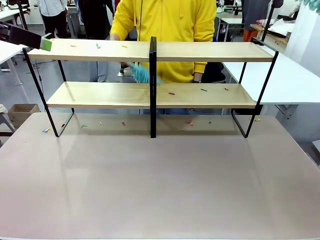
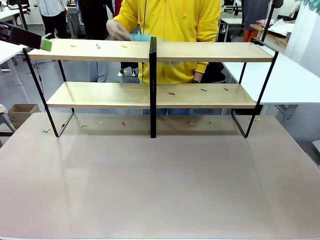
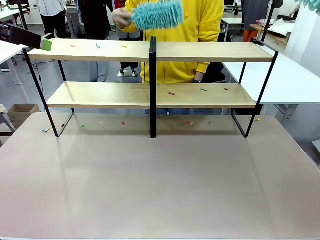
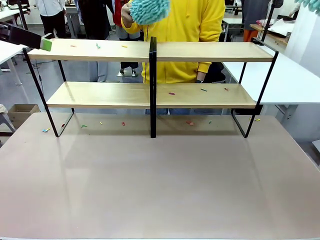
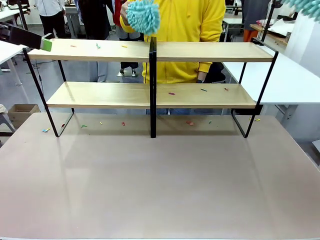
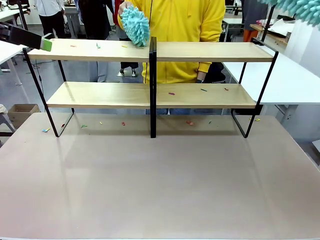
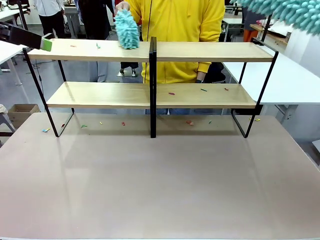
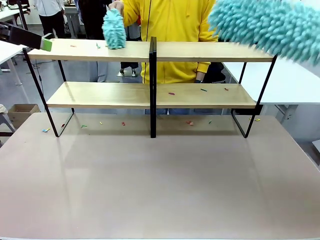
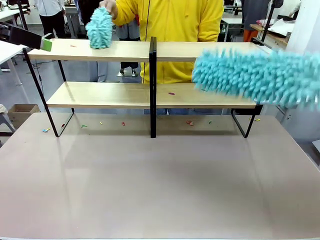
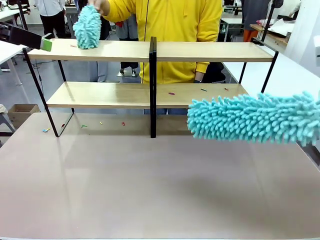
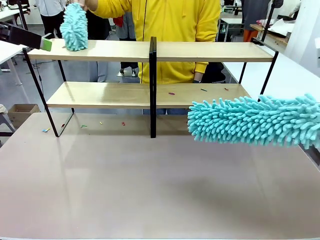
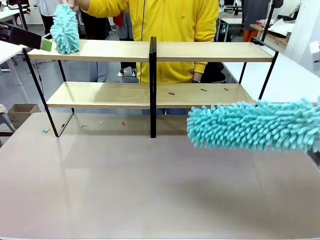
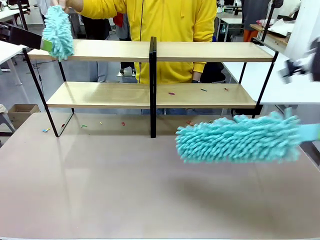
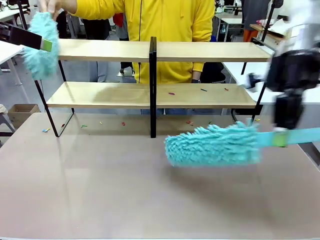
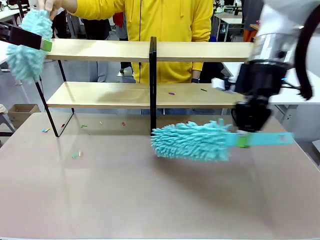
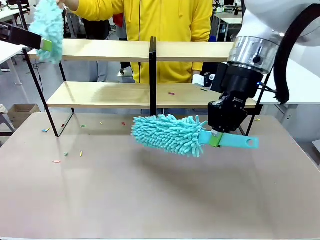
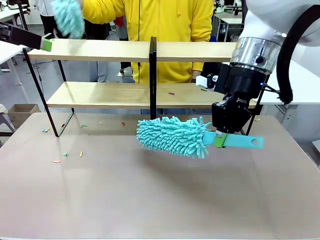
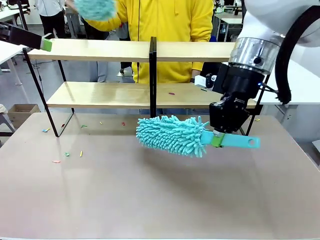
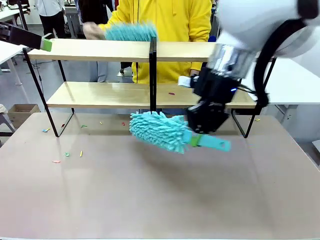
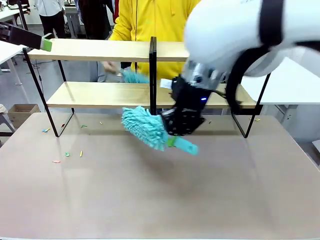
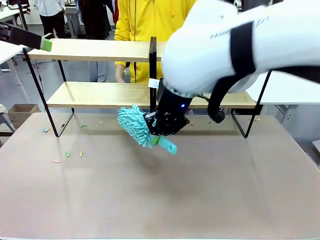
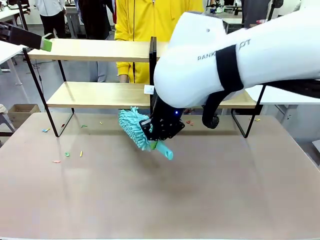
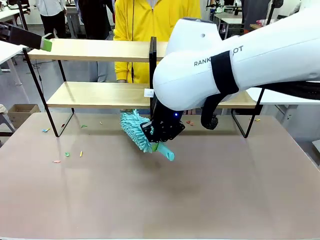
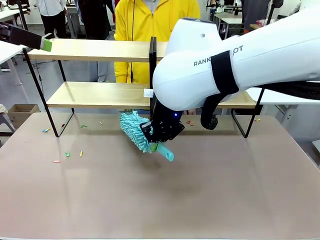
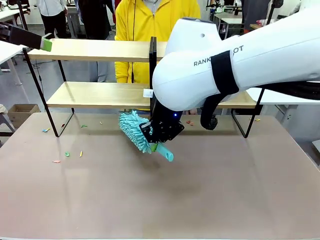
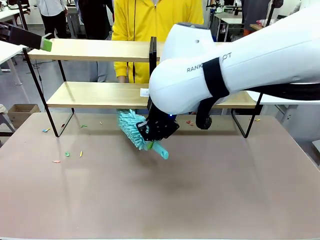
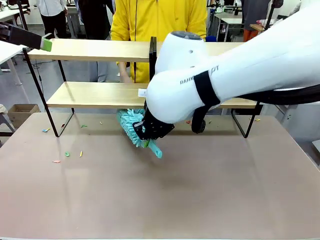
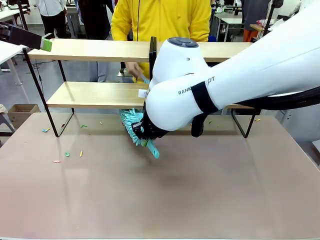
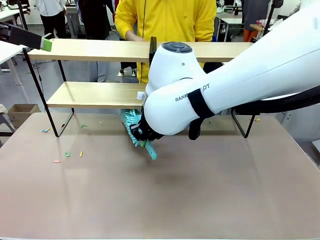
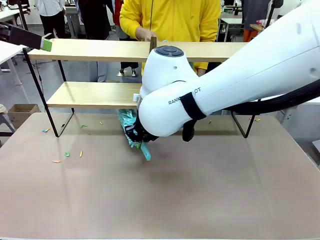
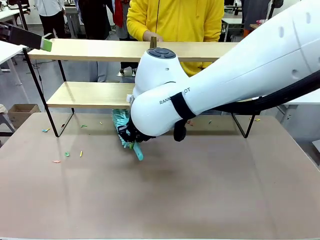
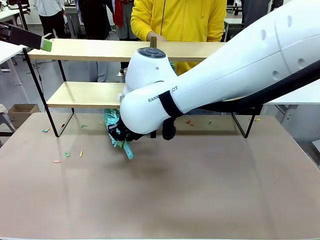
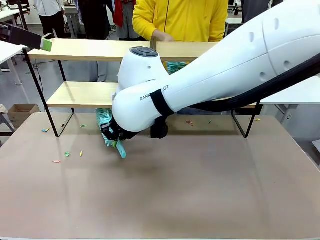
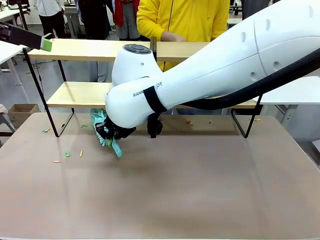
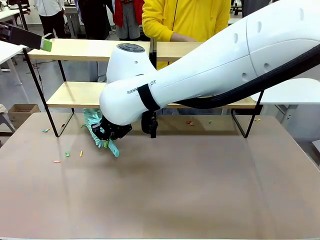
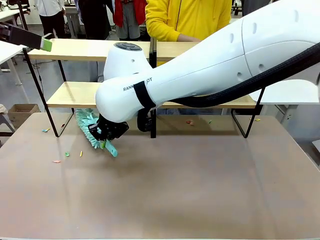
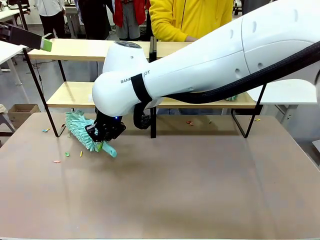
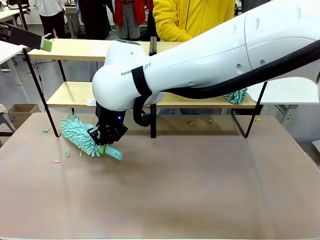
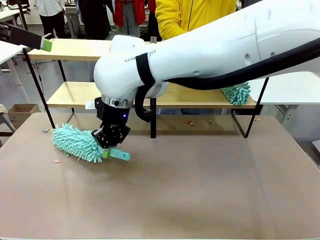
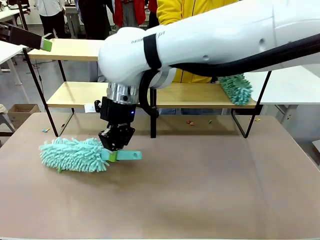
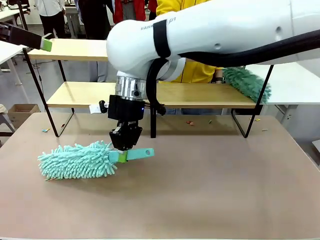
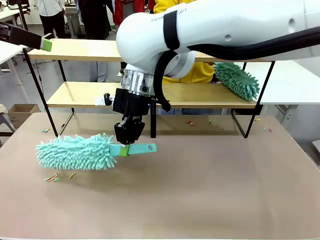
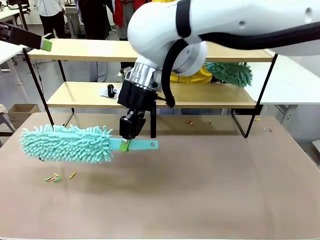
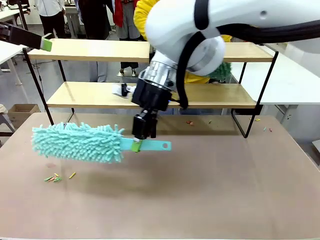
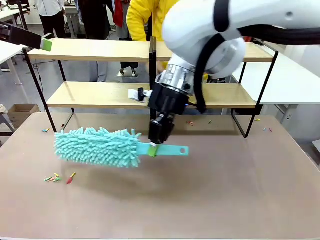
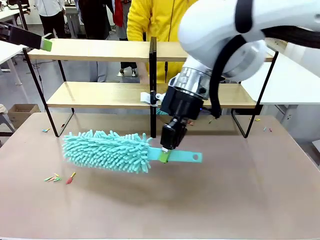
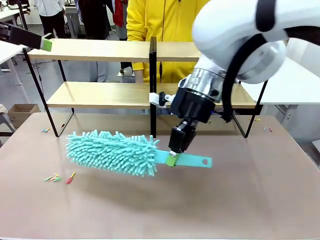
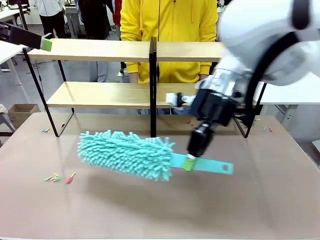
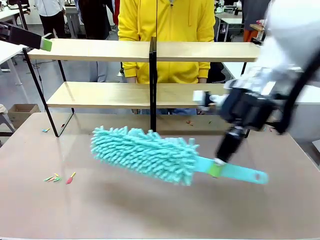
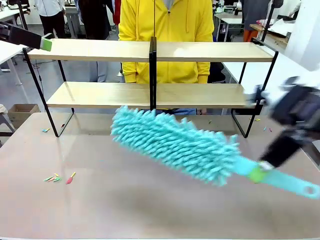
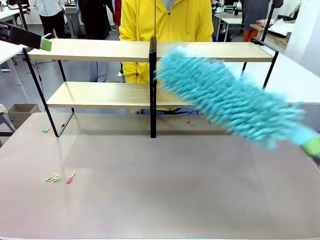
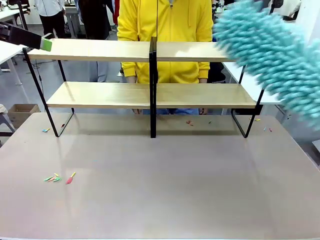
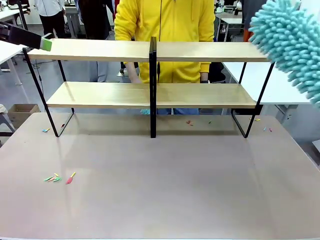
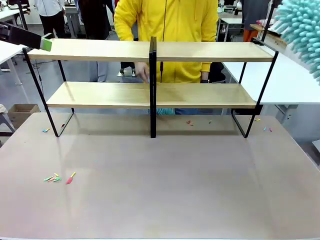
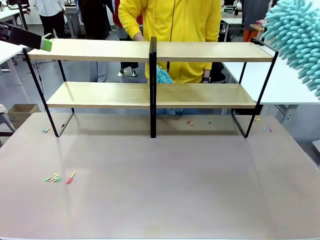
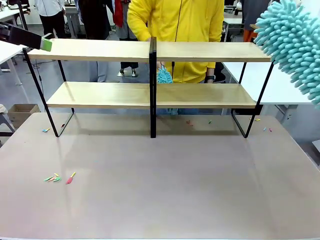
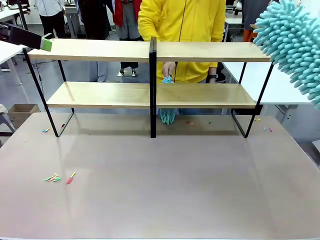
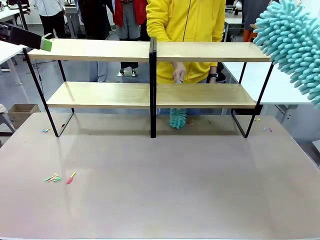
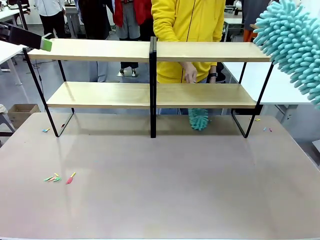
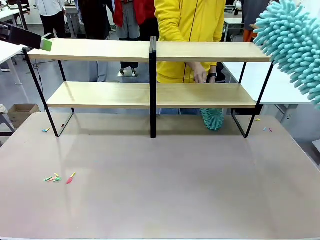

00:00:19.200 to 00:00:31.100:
Task: Clean the shelves.
Robot: Clean another randomly selected level of the Shelf with the Duster.

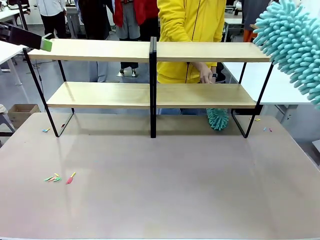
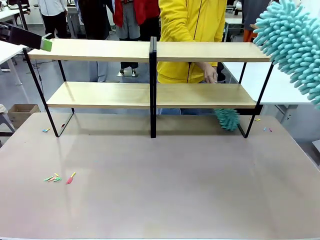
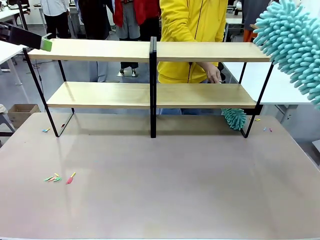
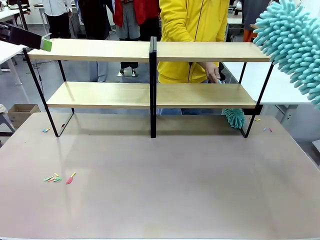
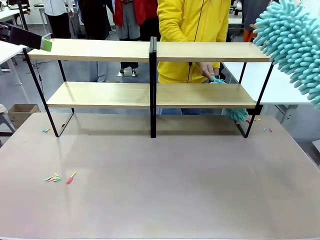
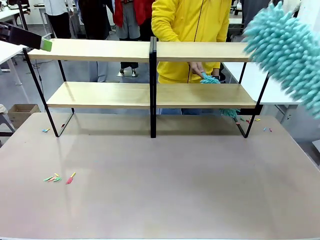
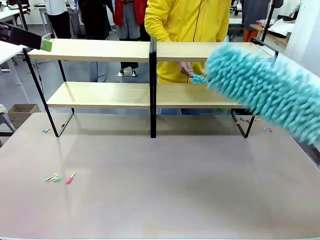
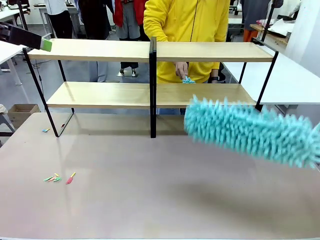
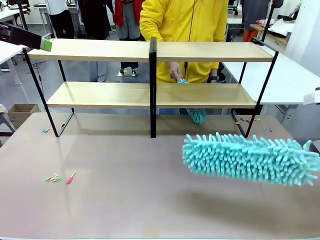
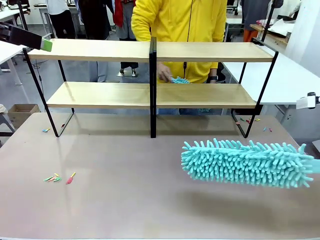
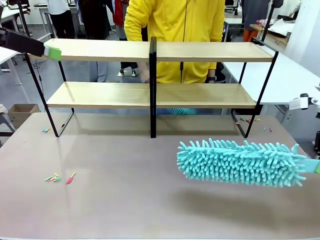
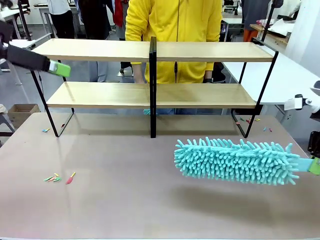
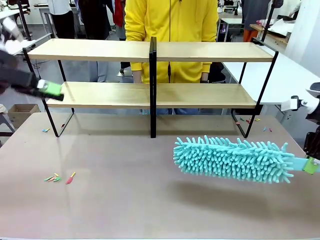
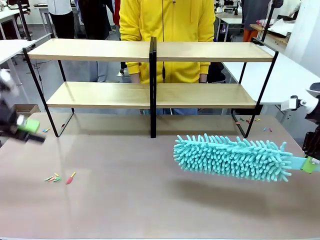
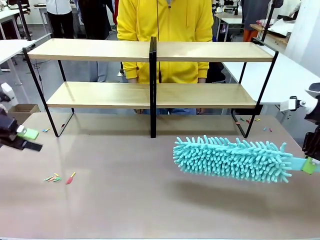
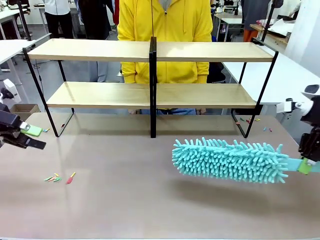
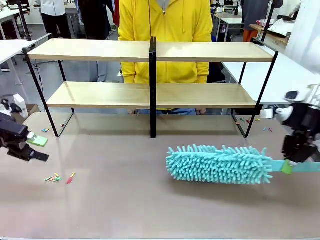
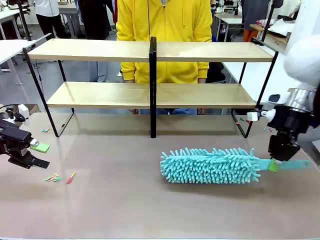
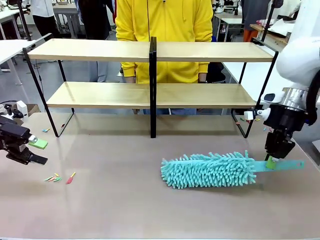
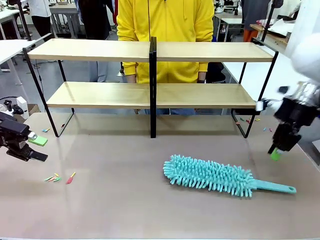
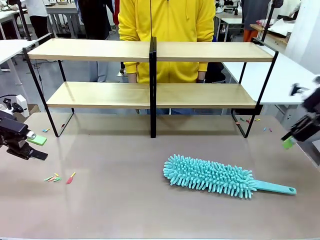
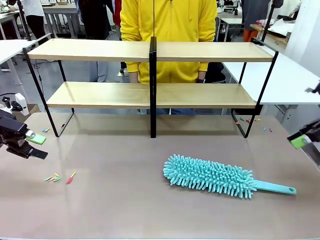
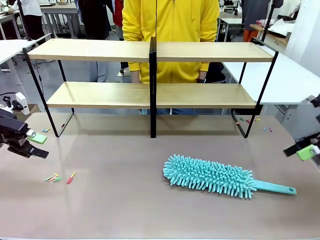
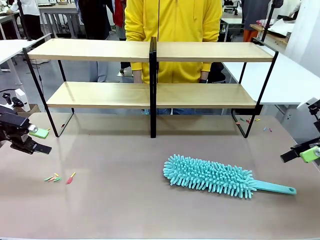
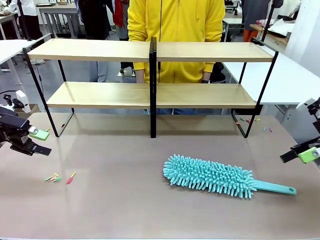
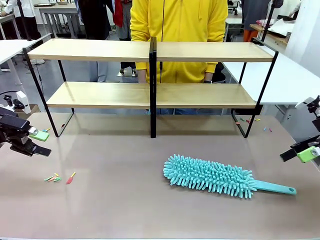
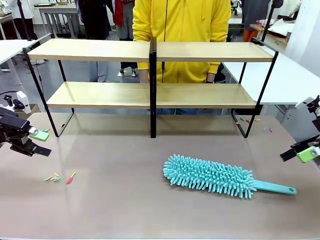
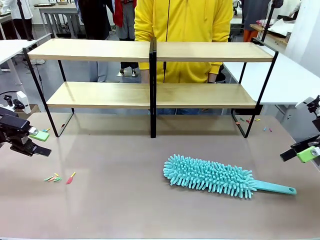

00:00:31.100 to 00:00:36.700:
Robot: Place the Duster on the table.

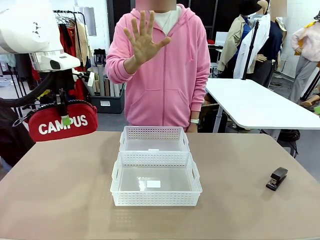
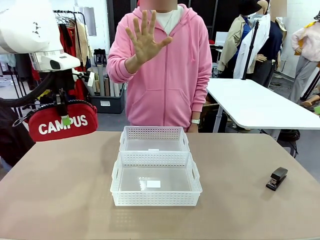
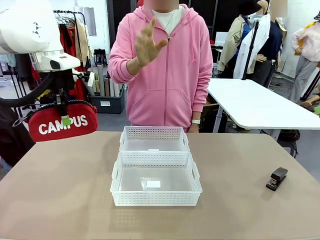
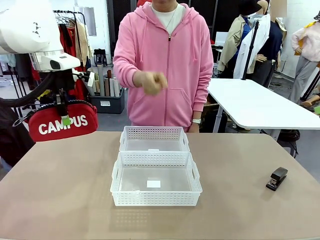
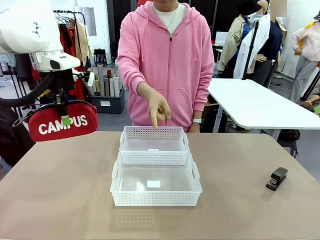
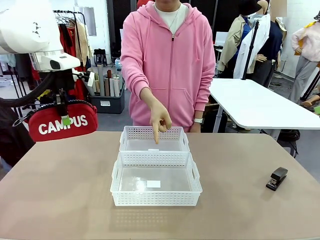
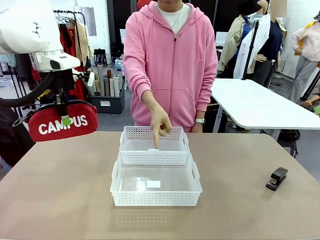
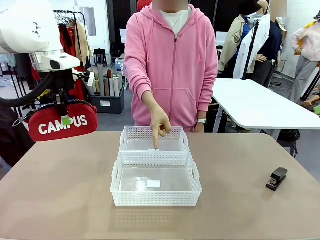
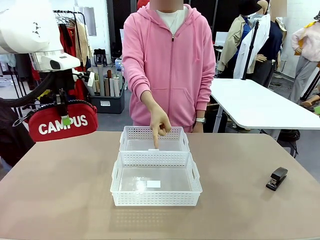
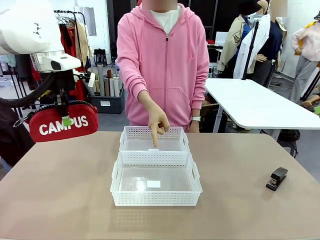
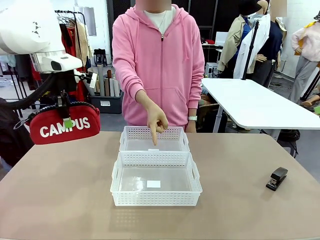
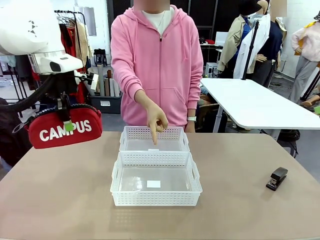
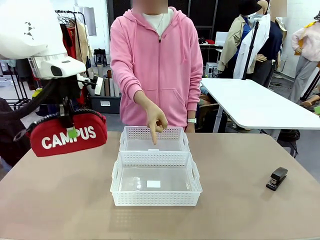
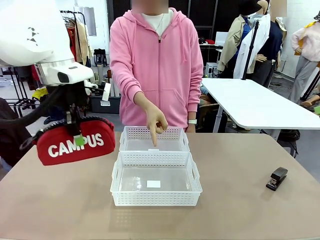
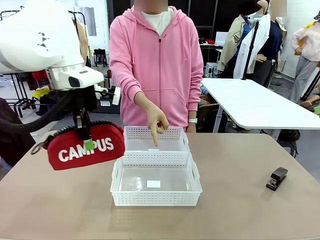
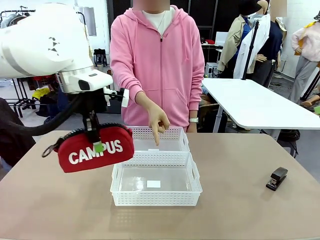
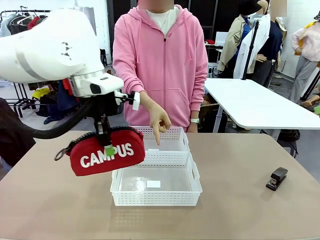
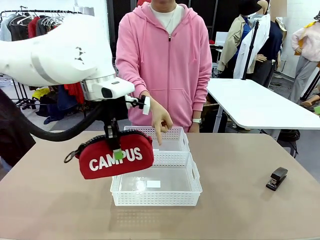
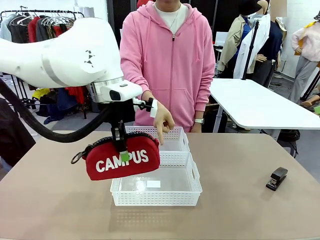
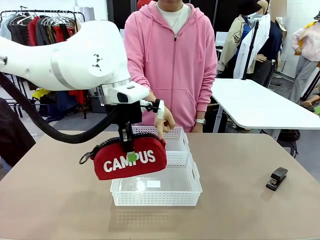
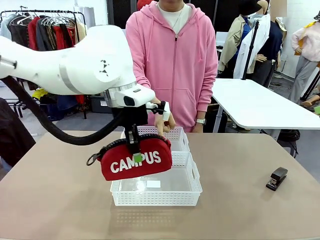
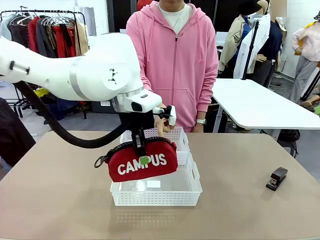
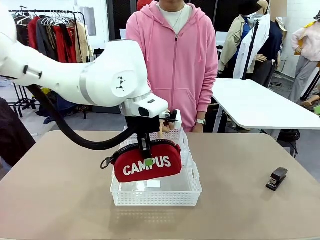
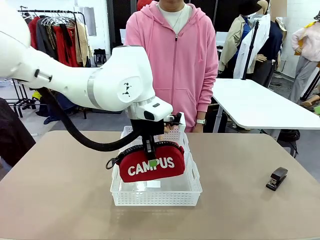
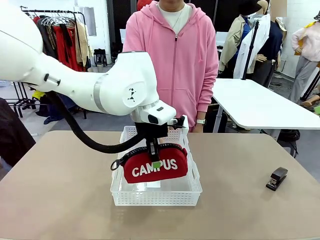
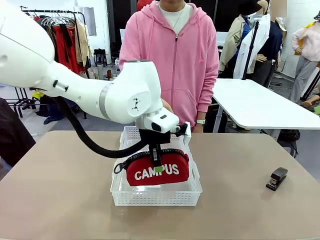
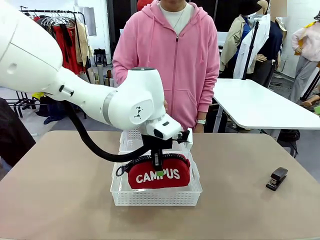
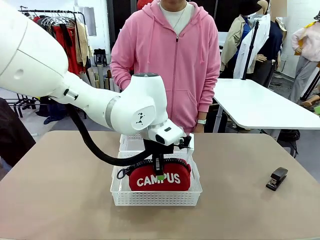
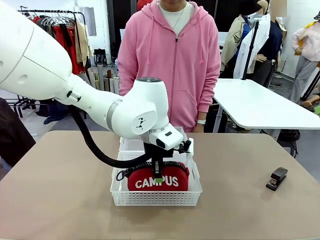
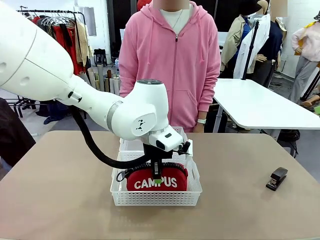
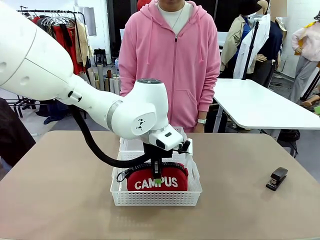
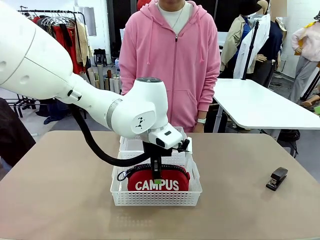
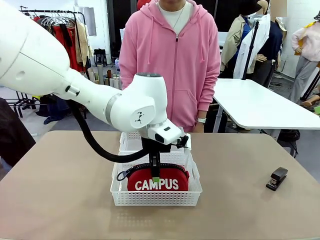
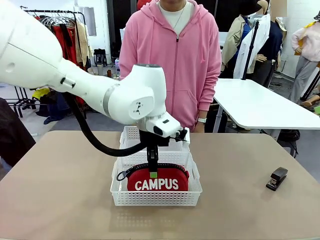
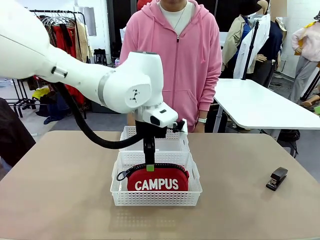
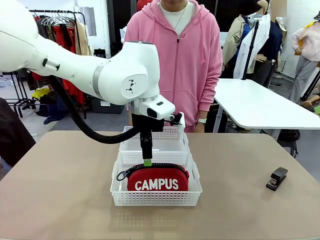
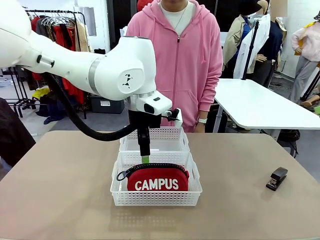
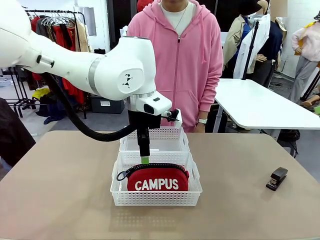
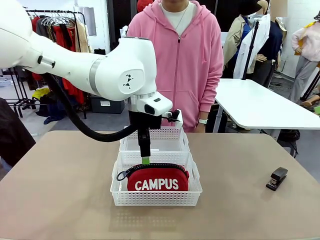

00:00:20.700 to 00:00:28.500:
Task: Distribute items into two baskets.
Robot: Place the picked Pencil pouch into the Organizing basket as instructed by the person.
Person: Instructs the robot to place the pencil case into the opposite basket.
